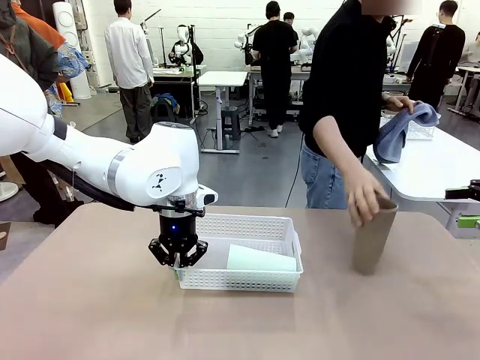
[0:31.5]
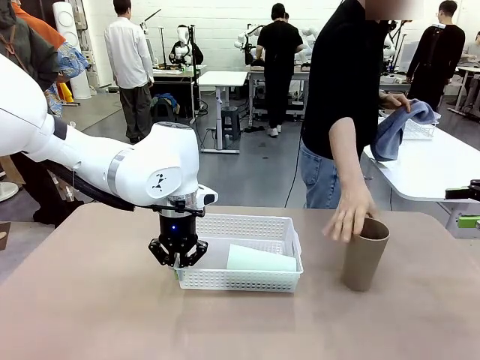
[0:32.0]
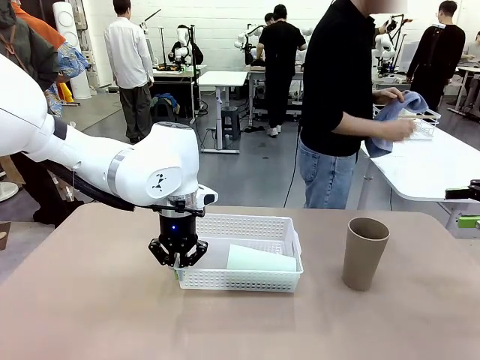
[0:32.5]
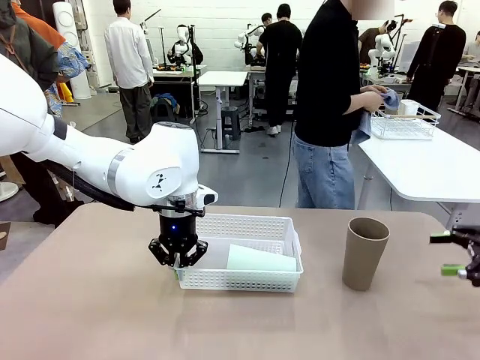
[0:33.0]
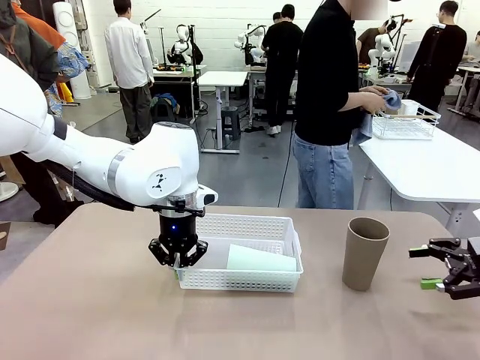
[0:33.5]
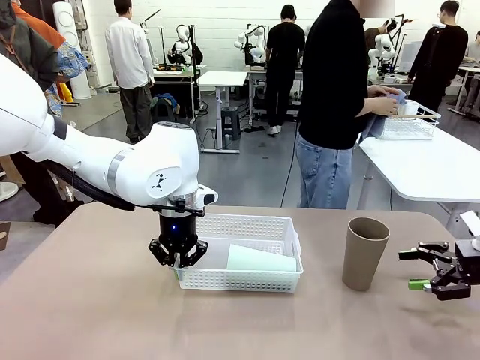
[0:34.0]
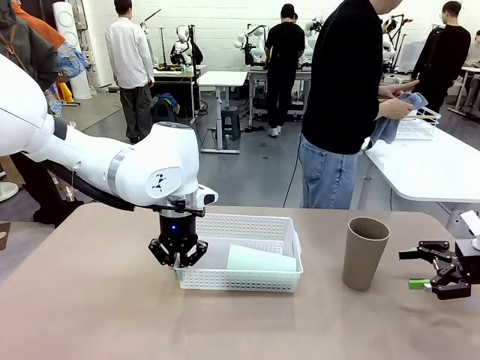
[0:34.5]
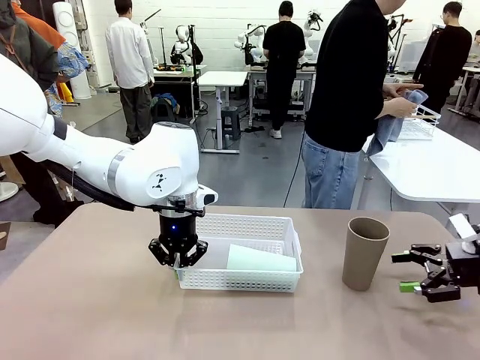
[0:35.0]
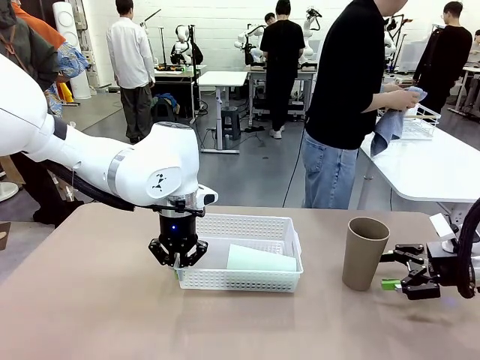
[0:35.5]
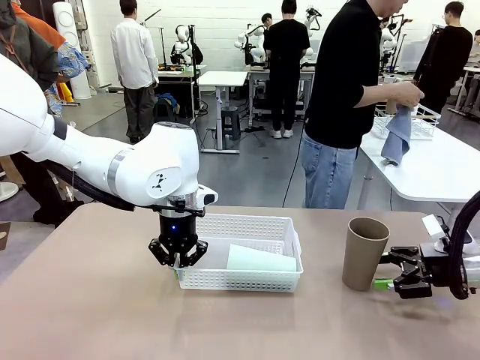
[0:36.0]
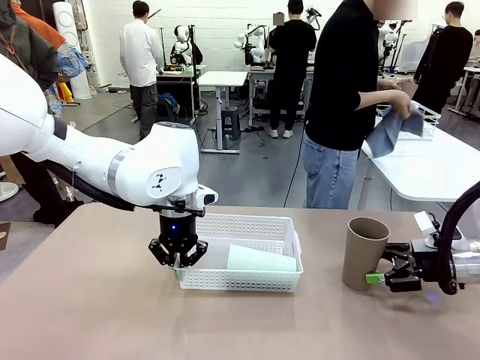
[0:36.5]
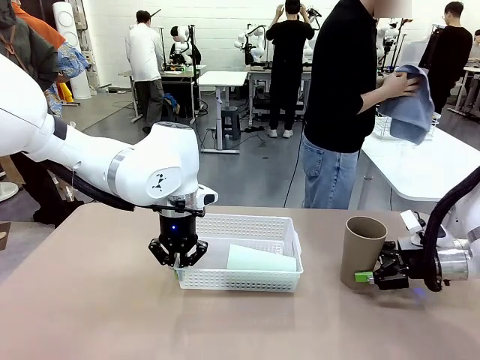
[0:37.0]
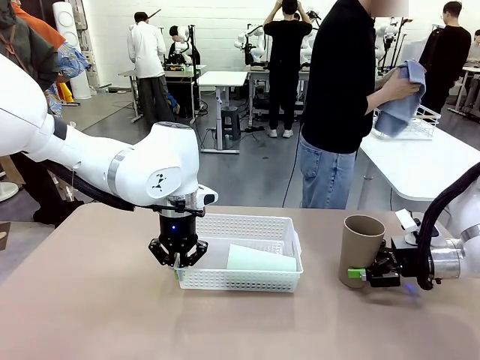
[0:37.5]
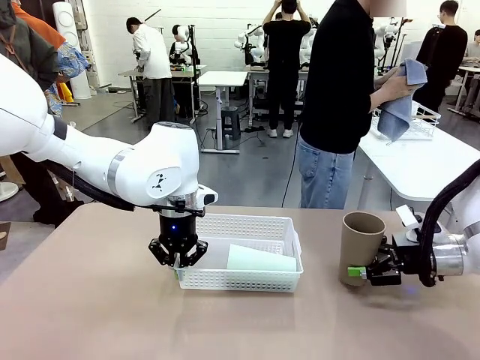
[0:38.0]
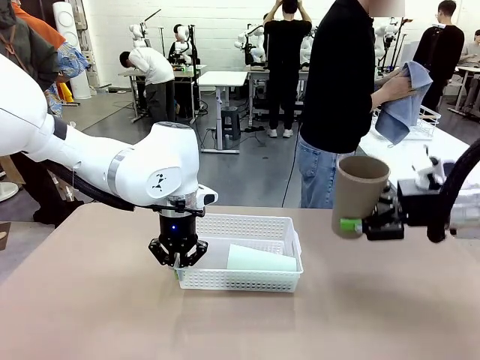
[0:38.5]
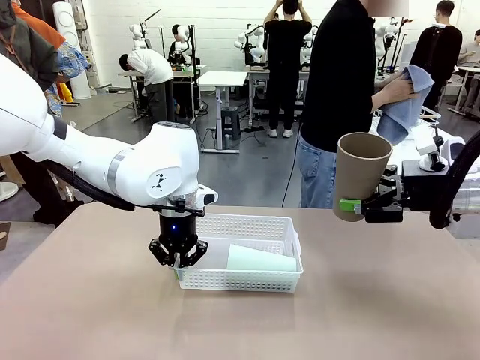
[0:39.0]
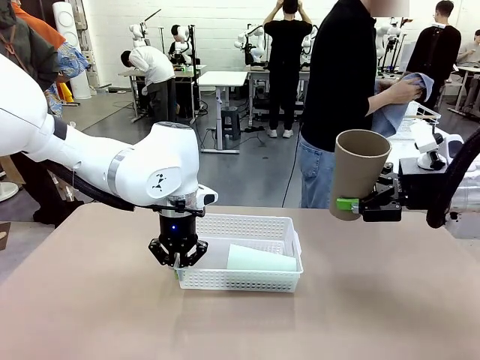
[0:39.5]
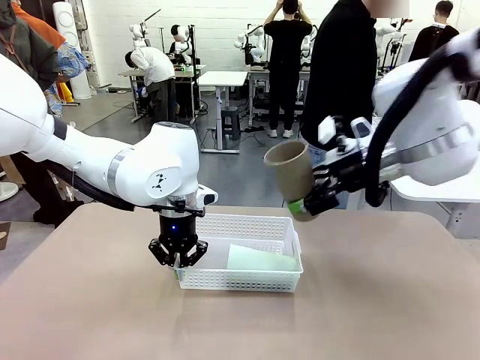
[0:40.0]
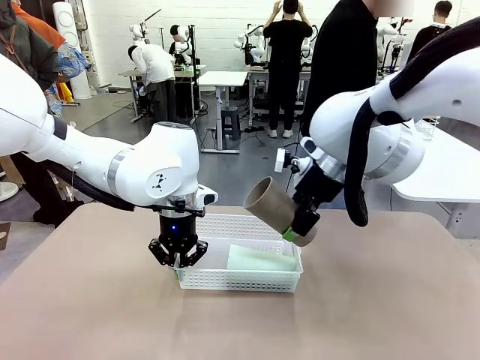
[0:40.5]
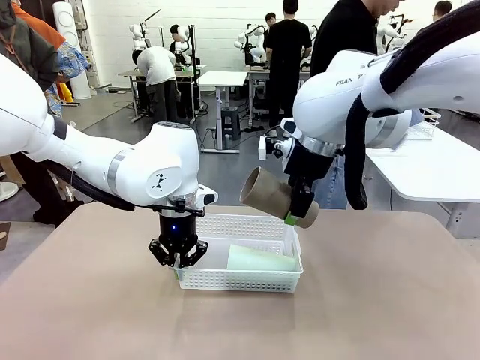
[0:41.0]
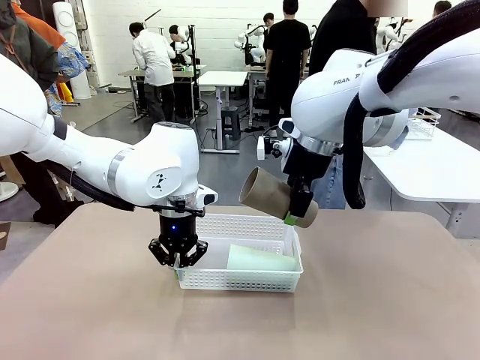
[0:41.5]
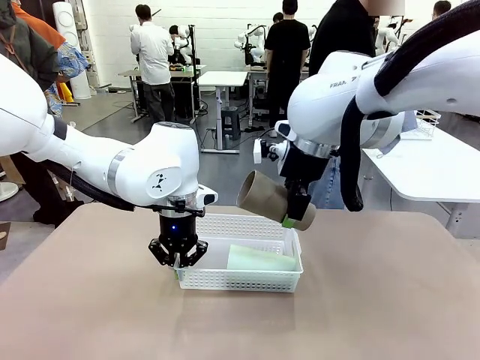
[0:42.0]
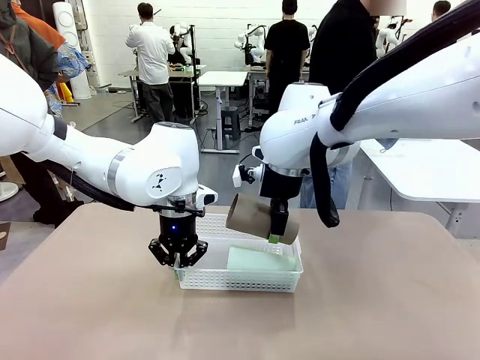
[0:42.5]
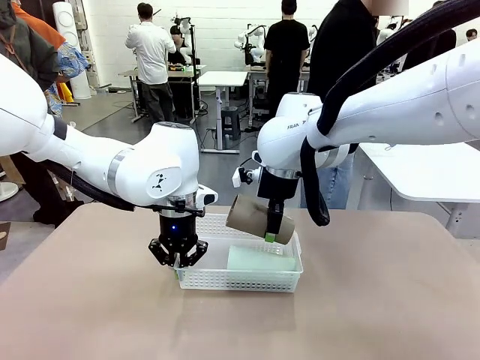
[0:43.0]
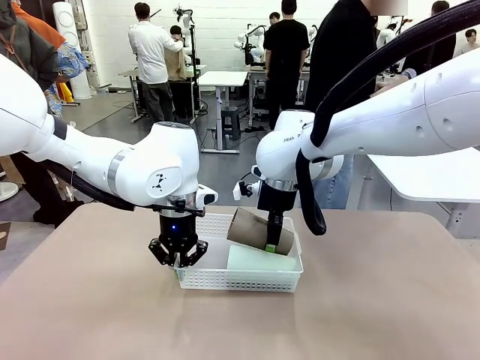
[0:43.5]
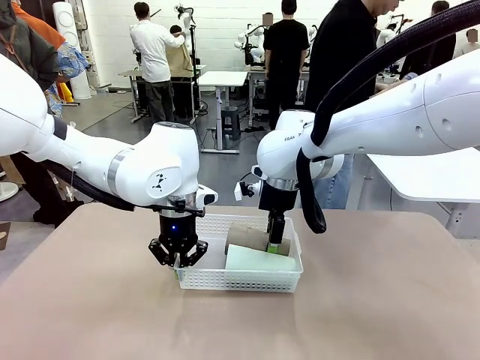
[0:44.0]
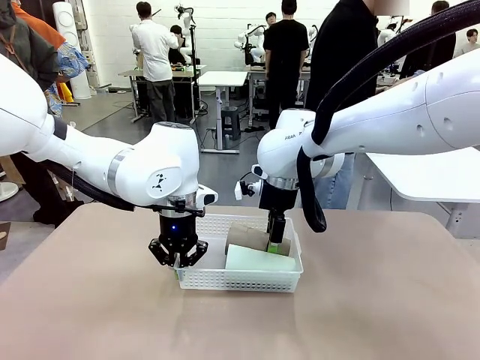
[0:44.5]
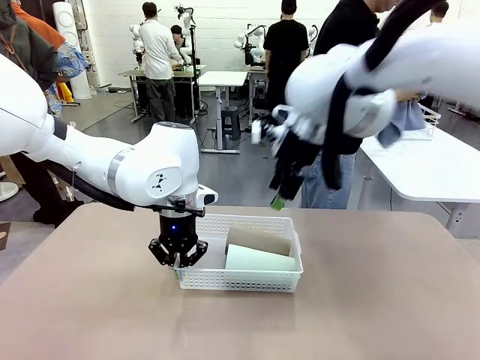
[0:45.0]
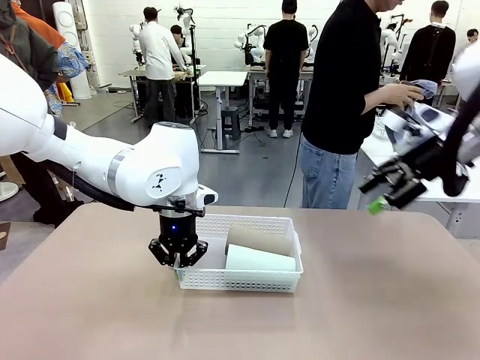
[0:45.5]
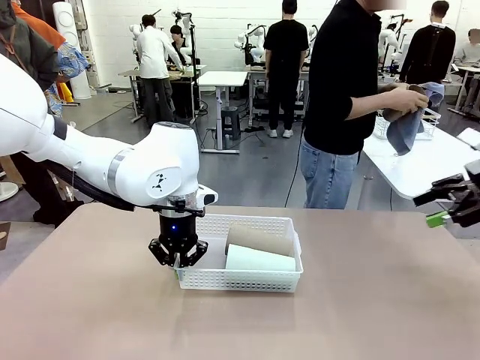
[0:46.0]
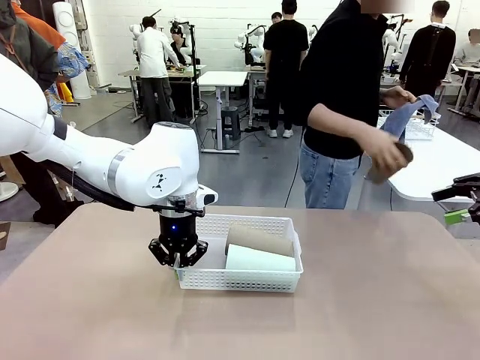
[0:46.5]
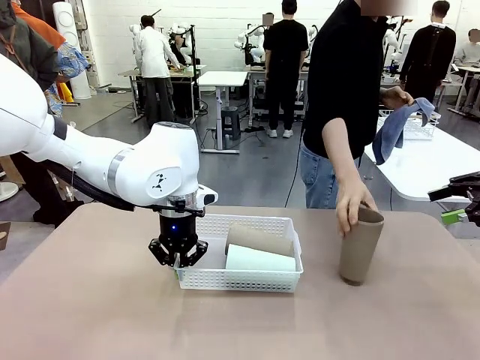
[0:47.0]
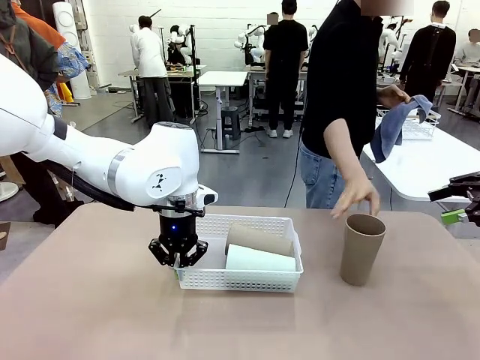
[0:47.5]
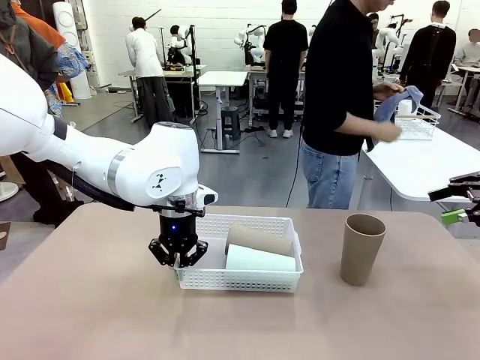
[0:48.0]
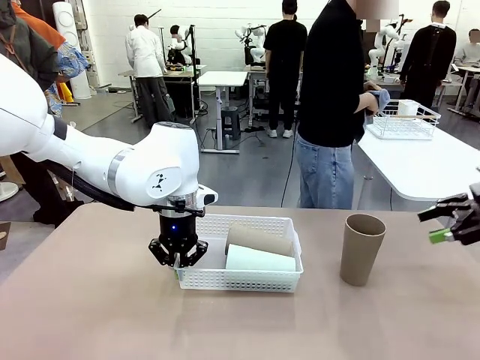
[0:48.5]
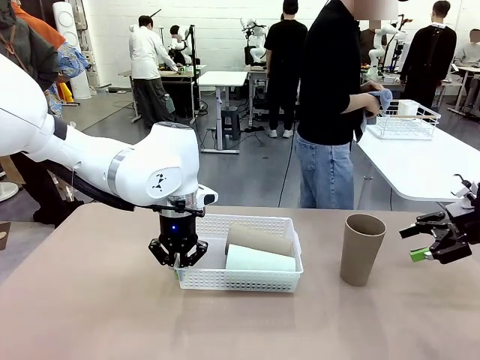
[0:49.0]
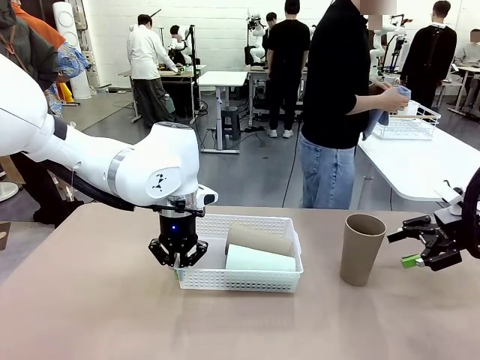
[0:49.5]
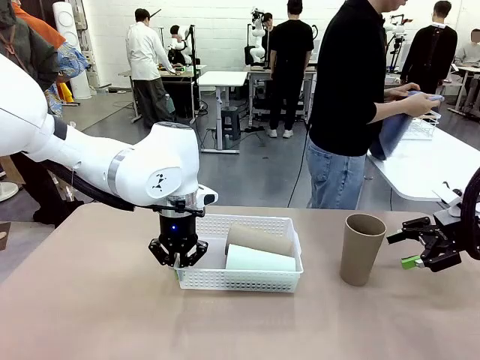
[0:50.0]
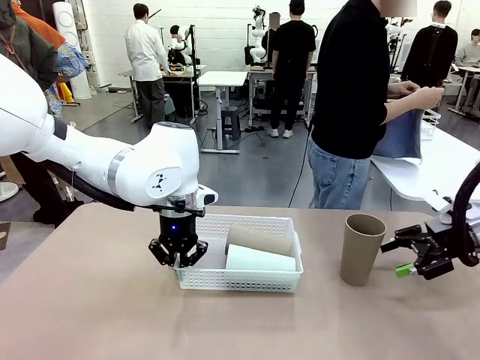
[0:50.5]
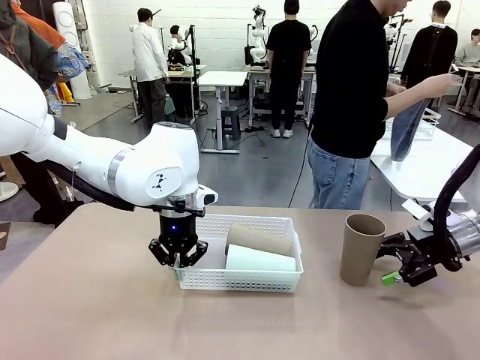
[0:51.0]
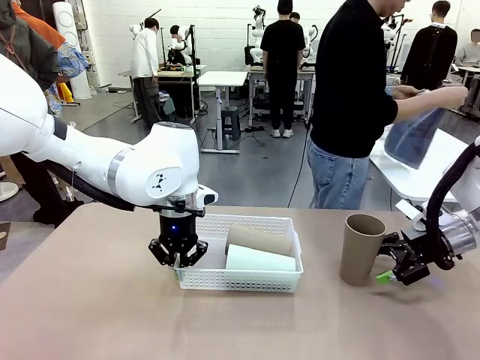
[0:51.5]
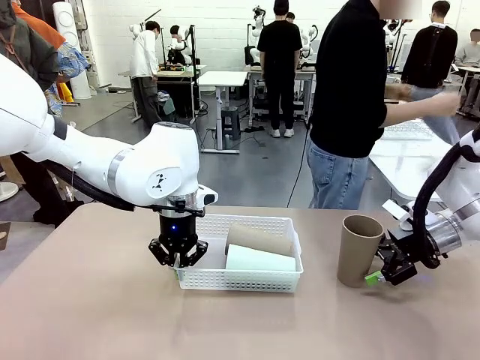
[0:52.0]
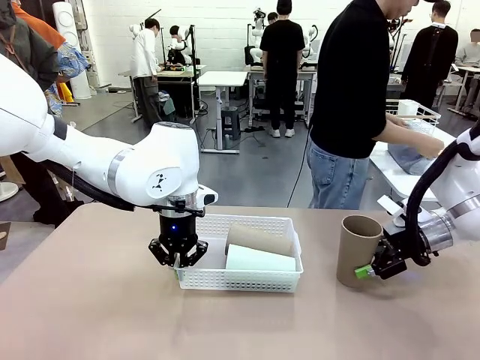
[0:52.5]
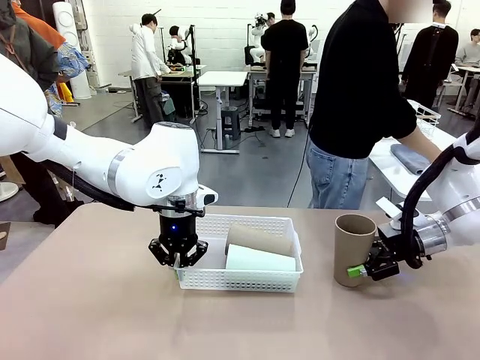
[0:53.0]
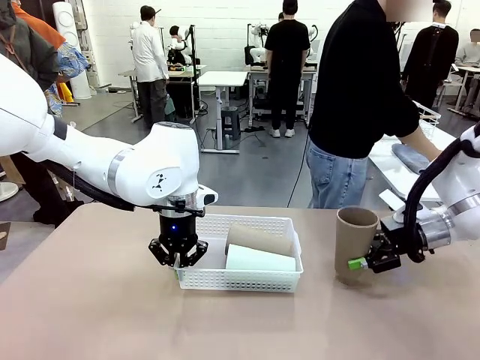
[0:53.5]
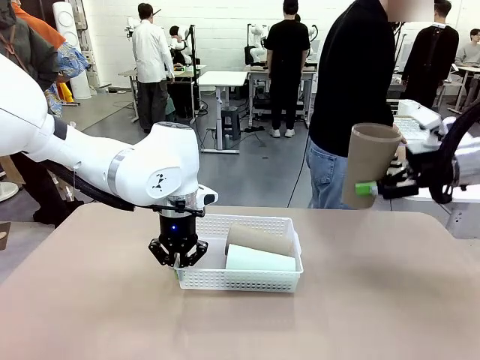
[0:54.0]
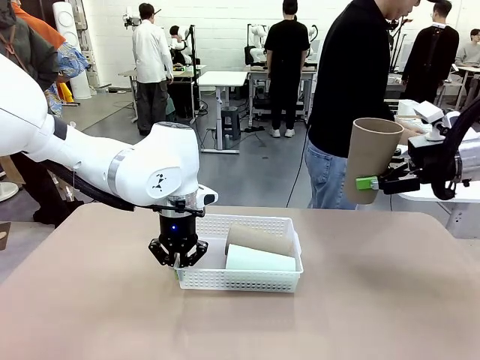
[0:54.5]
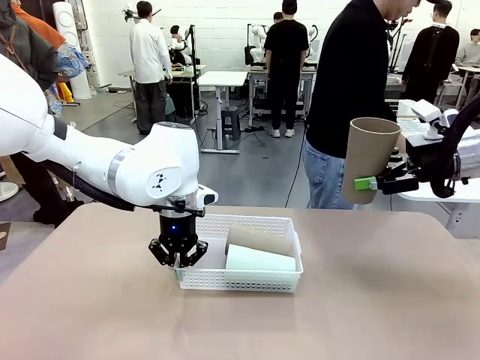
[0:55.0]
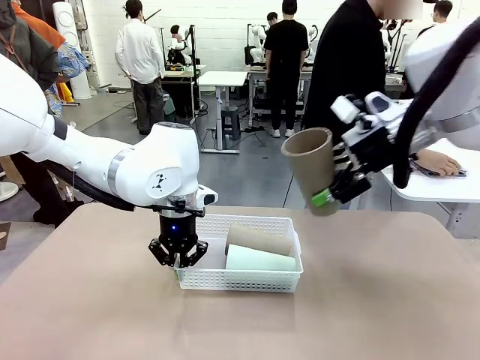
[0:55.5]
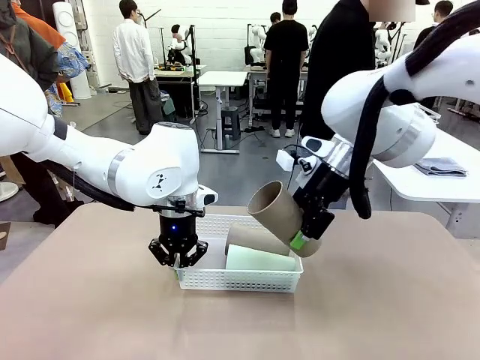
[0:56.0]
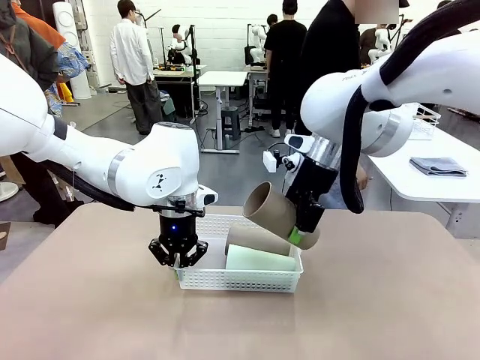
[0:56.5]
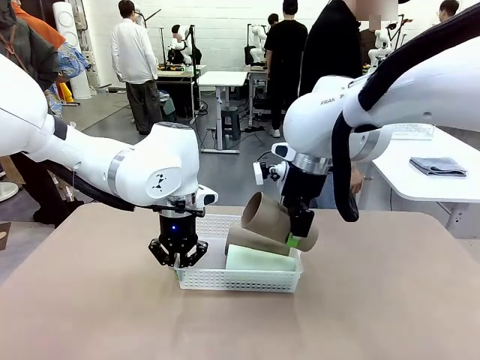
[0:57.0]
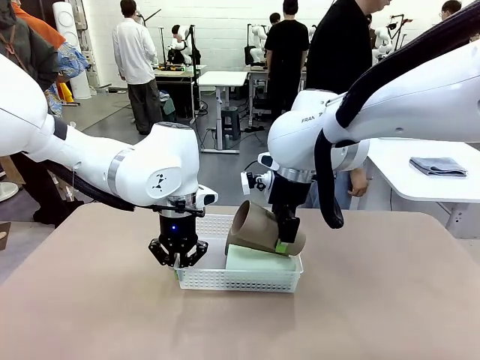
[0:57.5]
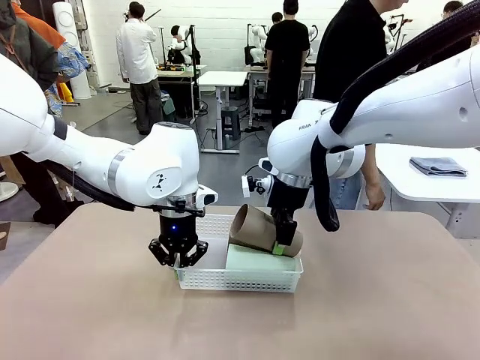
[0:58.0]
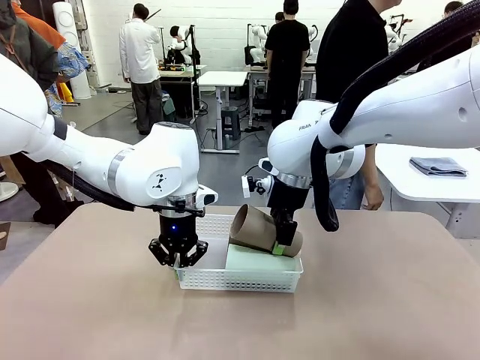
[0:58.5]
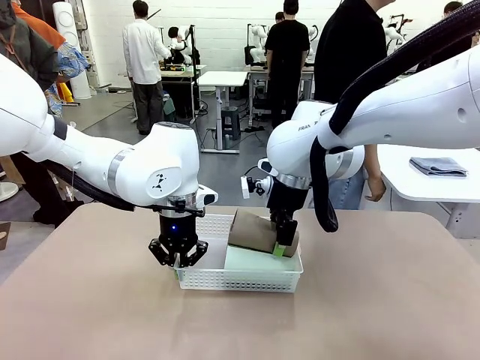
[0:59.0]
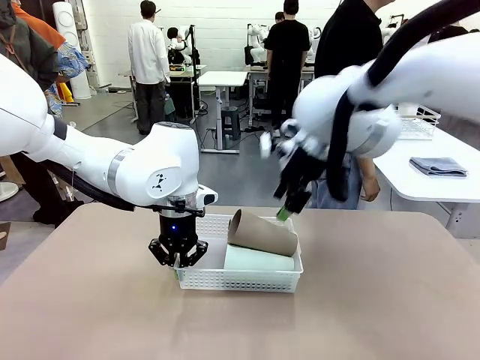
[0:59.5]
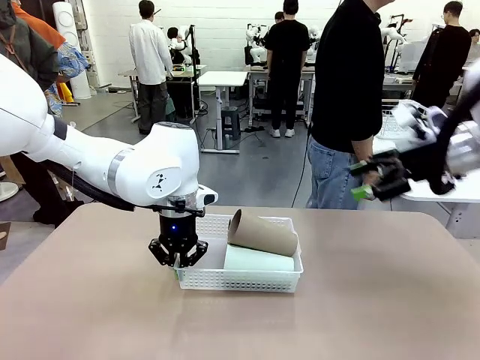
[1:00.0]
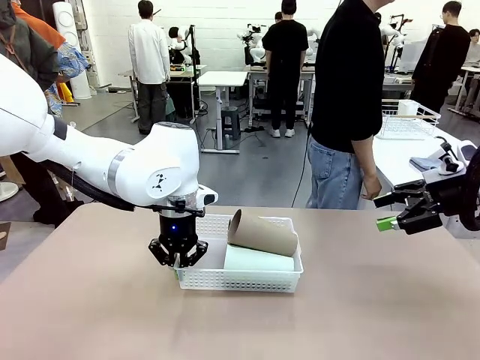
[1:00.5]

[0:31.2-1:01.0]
Task: Clean and organize the cups into the basket.
Robot: Pick up the Reusable plastic cup from the right side of the table and stack it inside the Organizing basket in the center of the table.
